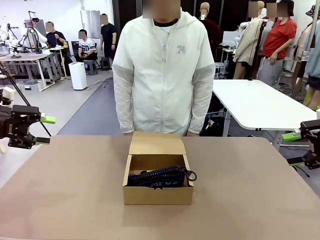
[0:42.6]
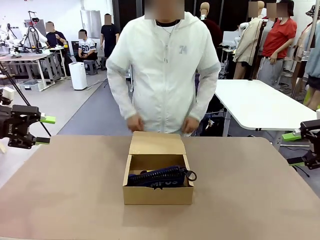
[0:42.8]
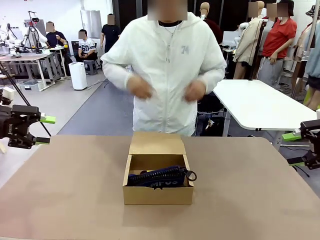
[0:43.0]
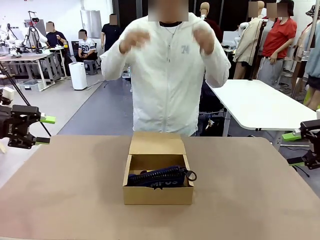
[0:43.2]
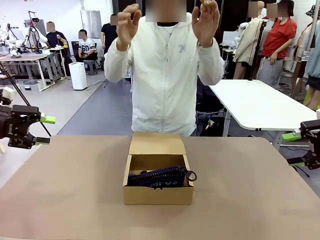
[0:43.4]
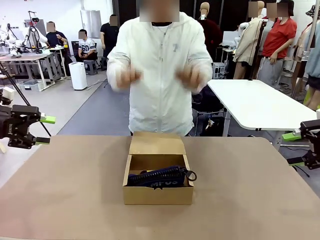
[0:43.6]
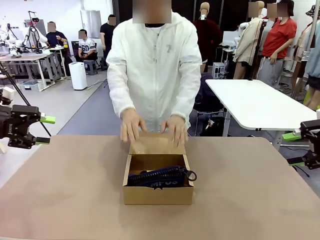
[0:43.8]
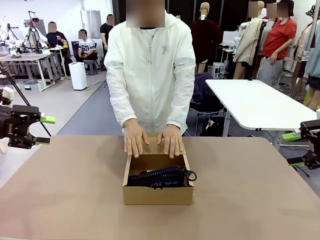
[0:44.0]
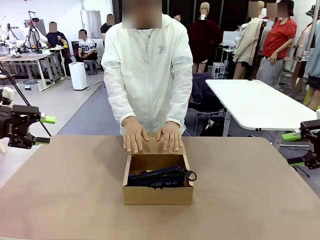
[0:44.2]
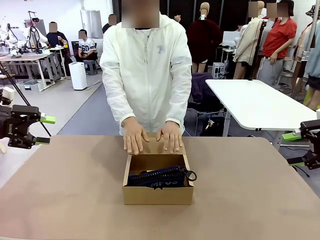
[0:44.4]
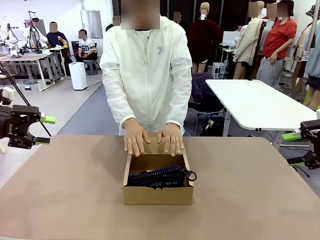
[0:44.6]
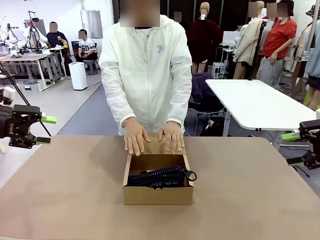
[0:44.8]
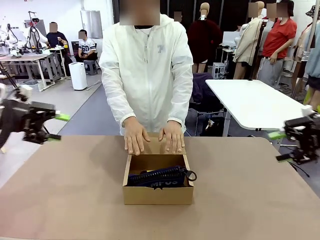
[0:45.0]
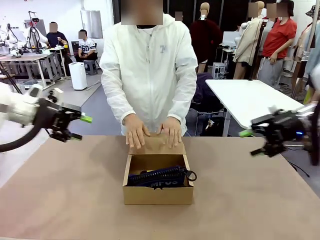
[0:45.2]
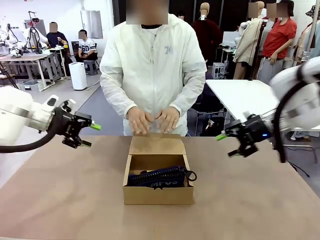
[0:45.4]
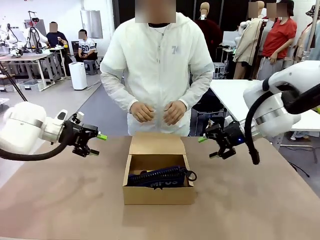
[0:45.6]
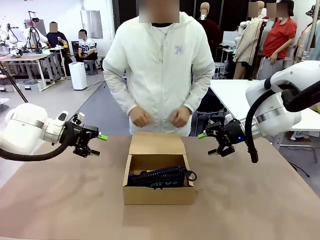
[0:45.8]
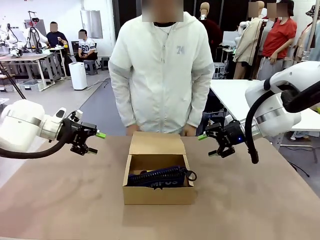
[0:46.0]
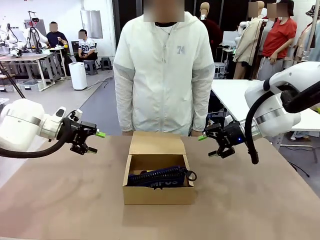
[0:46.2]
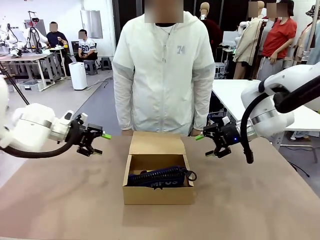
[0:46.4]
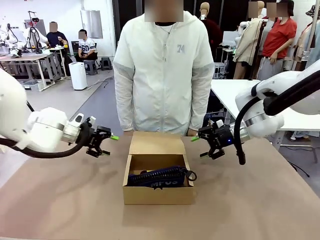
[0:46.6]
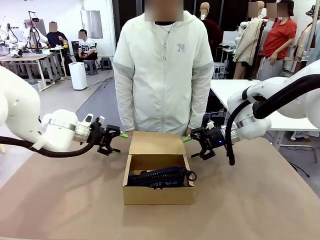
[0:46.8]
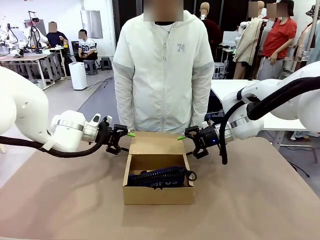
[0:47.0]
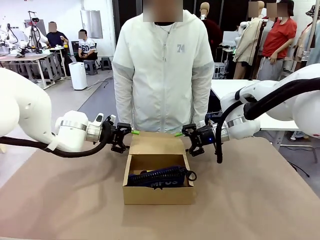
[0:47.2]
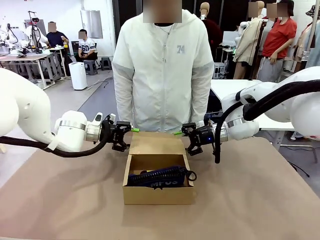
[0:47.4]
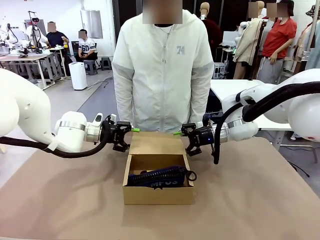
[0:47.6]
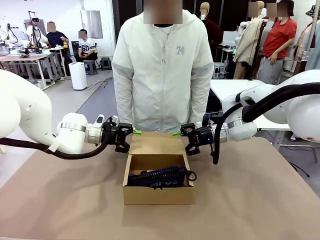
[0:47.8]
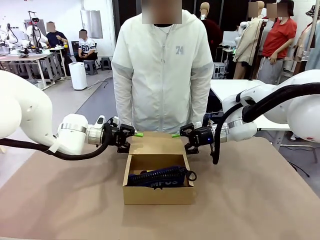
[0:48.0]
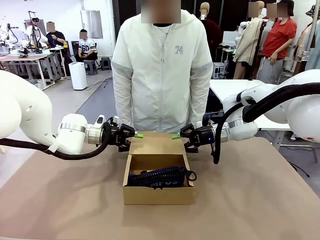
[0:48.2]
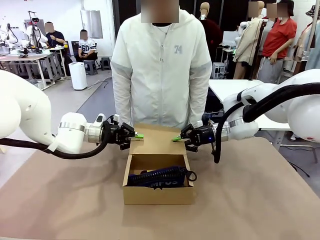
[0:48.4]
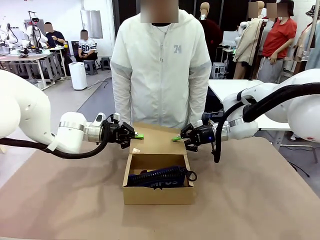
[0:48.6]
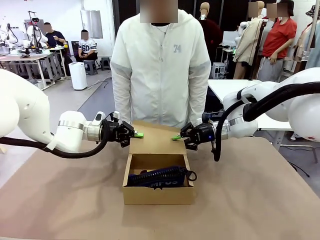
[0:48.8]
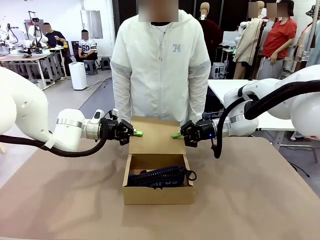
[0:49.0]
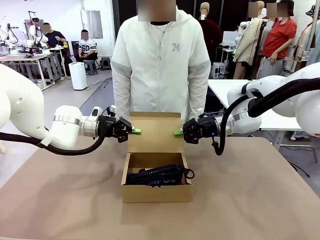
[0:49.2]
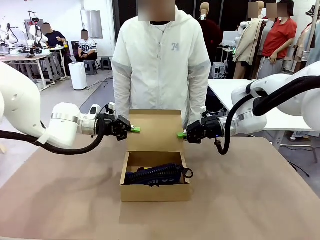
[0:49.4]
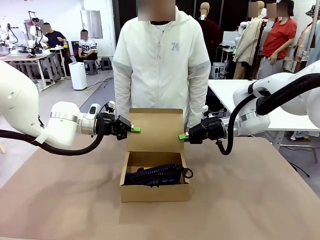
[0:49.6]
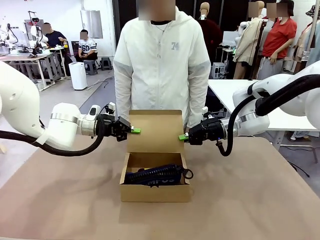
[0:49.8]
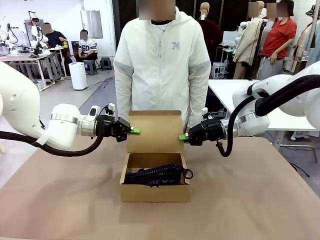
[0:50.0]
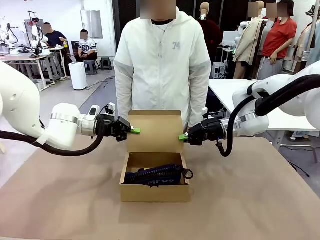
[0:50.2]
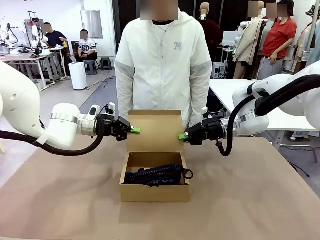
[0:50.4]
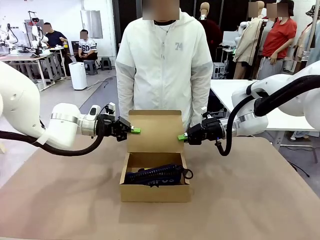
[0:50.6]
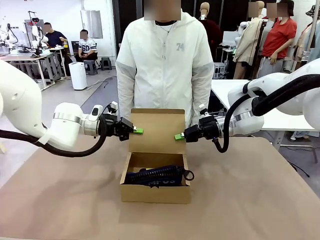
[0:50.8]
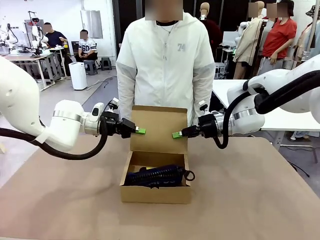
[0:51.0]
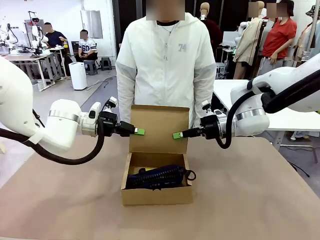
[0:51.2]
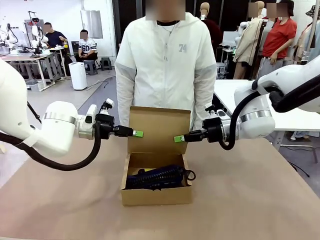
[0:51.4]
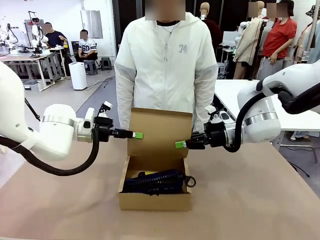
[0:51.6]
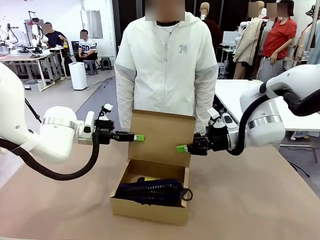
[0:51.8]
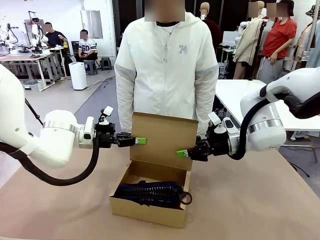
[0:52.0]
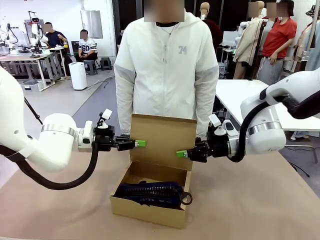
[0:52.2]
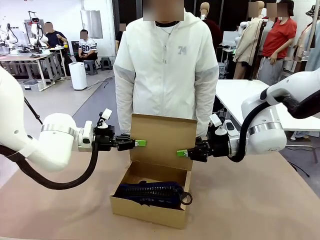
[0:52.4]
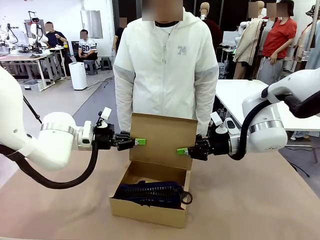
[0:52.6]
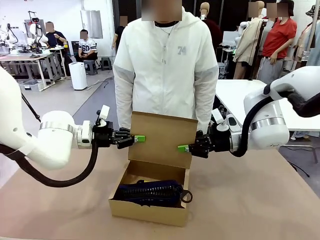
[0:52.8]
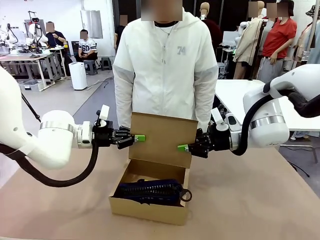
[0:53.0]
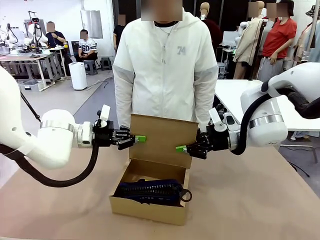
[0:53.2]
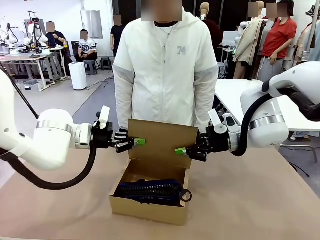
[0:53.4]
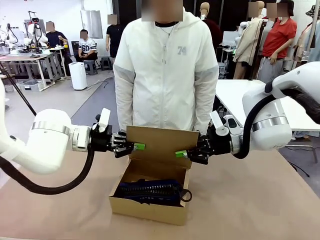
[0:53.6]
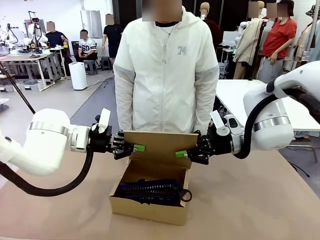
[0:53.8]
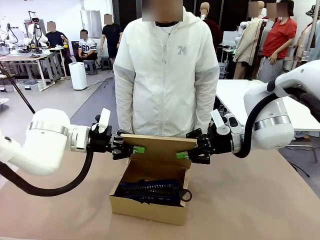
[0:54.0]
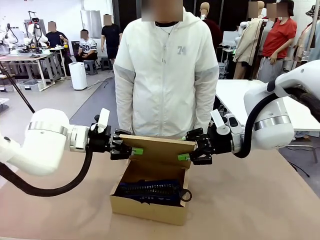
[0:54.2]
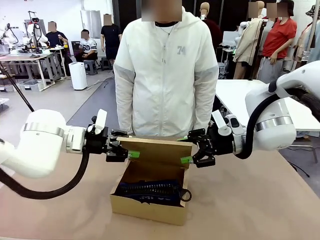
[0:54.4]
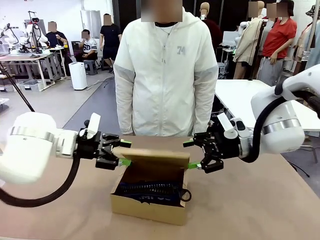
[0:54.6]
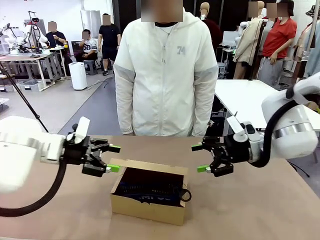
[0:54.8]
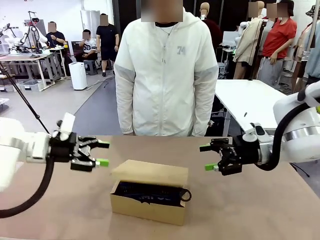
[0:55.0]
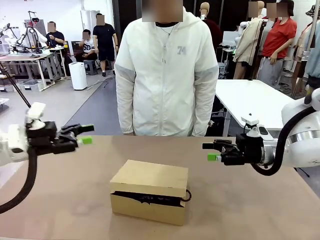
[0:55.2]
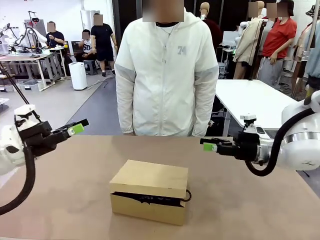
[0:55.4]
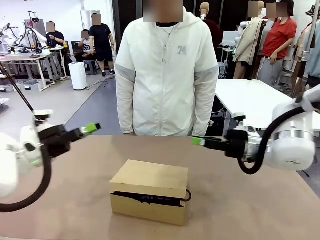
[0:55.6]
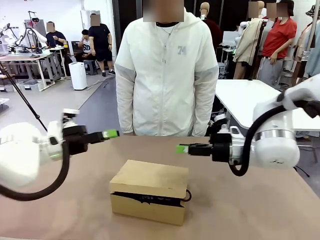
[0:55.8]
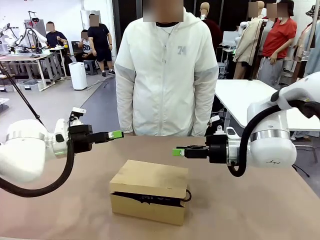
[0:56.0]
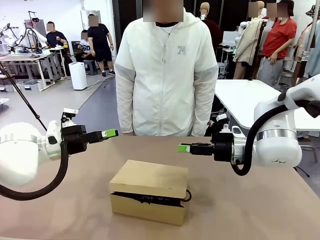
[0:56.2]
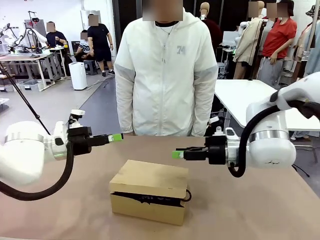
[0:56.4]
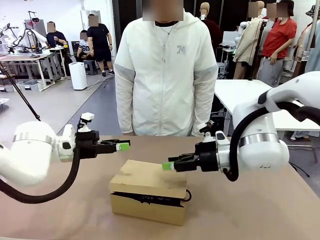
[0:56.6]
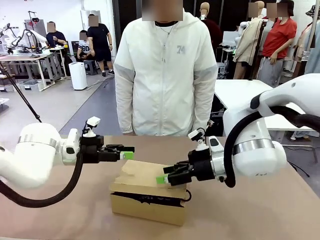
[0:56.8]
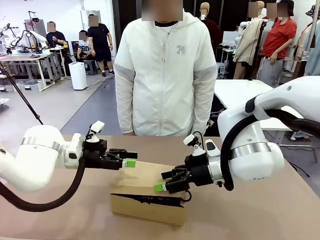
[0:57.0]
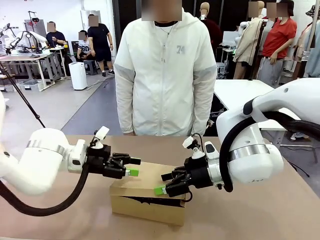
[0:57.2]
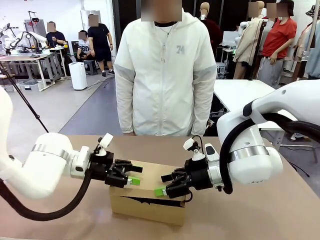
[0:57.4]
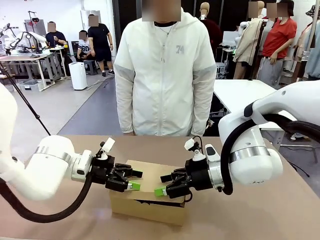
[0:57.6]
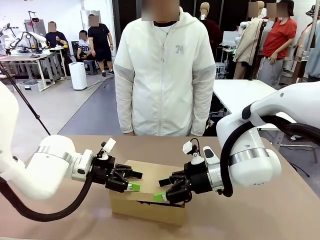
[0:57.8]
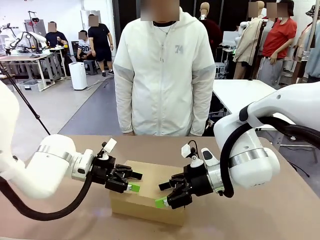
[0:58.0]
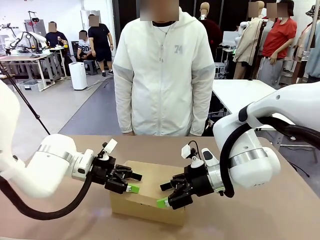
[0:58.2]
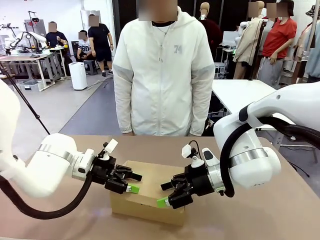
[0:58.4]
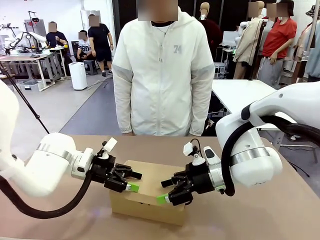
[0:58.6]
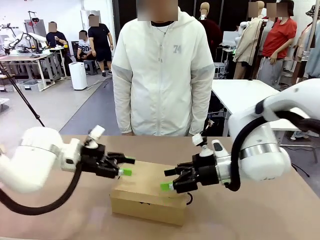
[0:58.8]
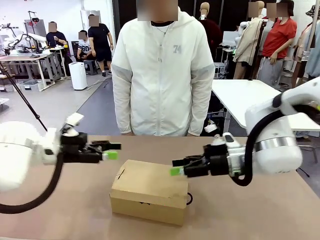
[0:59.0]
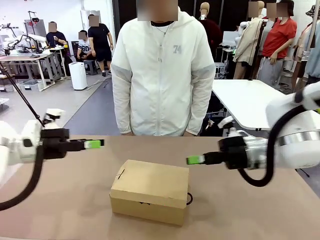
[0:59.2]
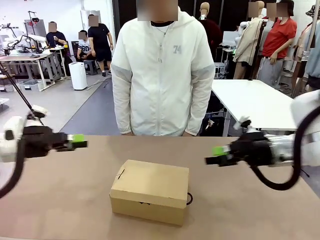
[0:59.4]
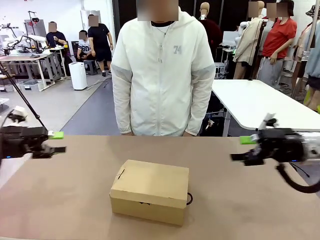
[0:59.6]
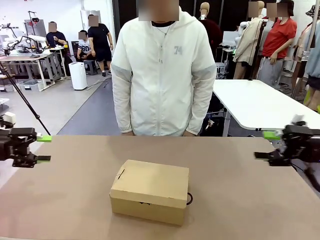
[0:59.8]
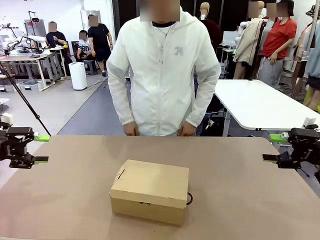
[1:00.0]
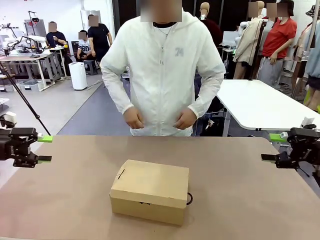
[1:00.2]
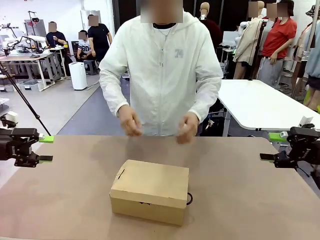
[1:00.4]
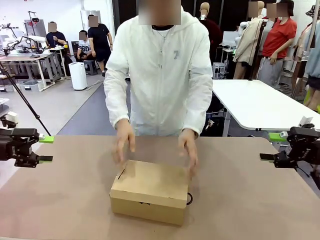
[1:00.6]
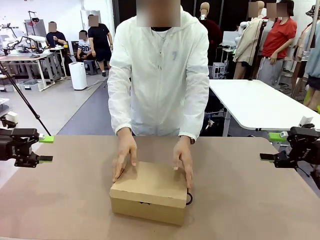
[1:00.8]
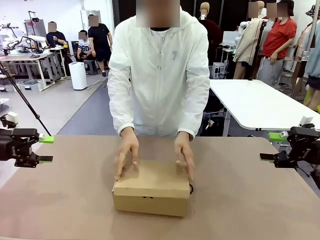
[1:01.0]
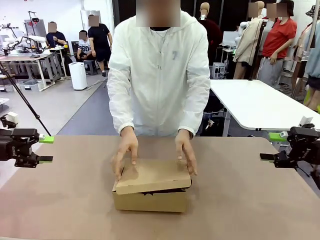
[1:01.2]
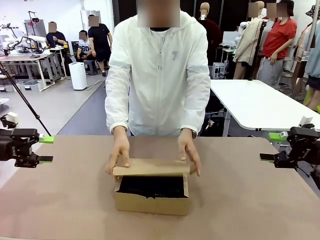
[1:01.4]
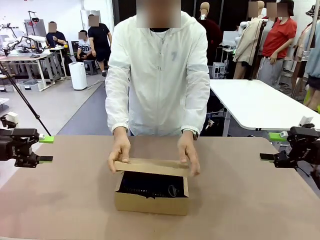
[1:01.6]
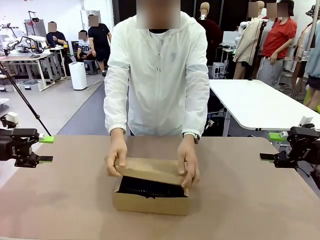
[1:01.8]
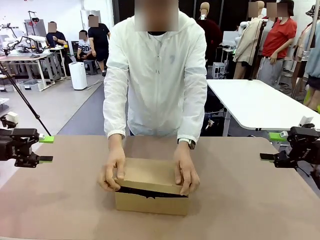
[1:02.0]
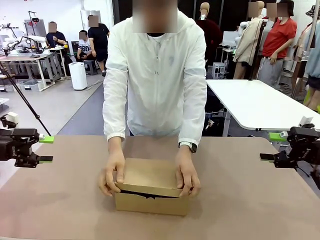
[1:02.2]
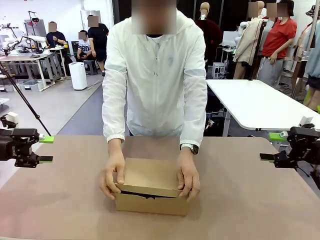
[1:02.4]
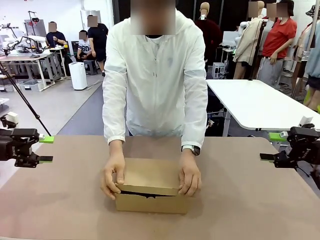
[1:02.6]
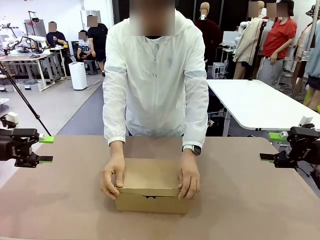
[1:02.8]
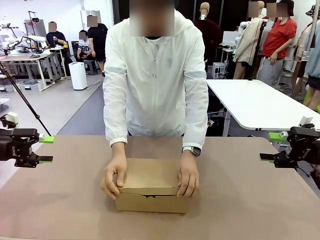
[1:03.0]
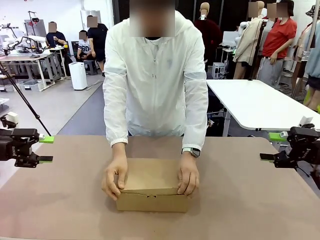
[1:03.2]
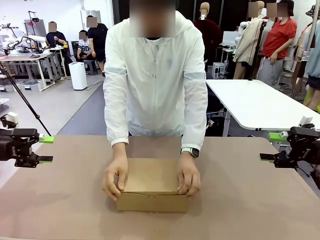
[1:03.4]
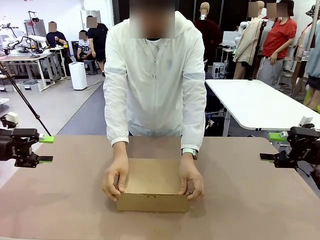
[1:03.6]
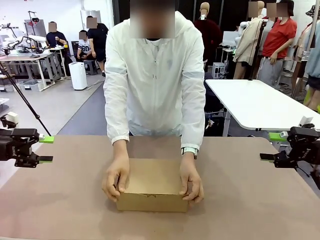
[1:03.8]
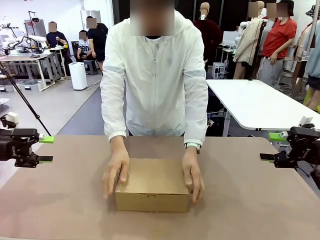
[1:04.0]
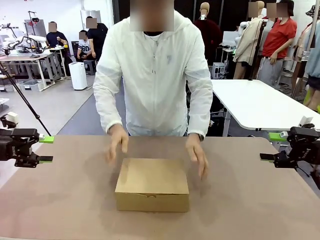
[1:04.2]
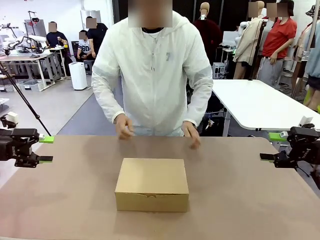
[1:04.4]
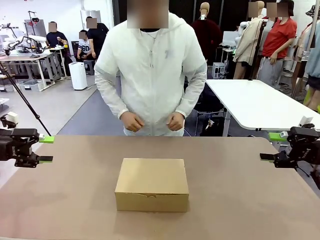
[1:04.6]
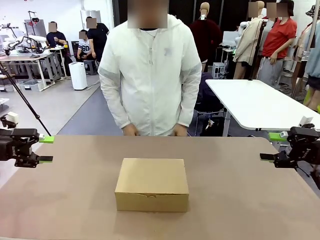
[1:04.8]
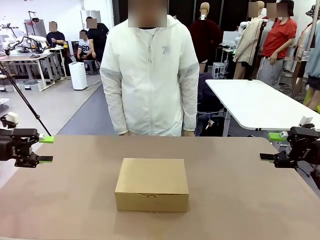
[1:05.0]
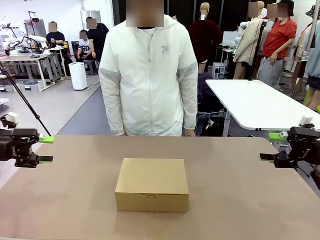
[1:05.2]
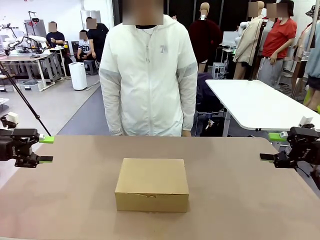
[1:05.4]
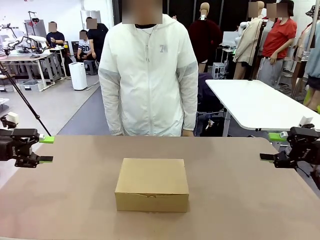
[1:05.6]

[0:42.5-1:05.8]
Task: Pack the items into the box.
Robot: Close the Mailer Box.
Person: Turn the box and lock it.
